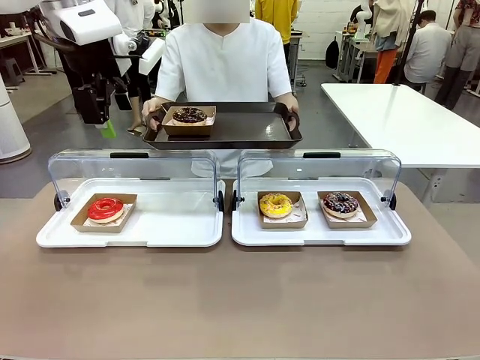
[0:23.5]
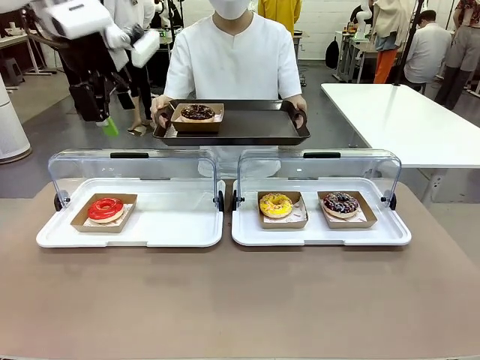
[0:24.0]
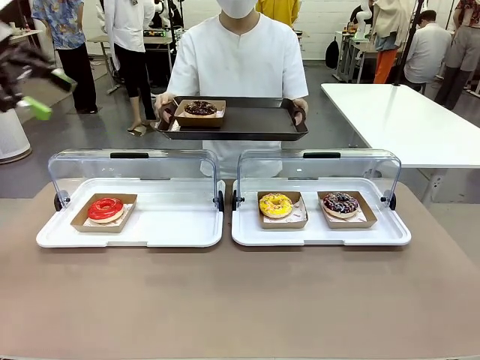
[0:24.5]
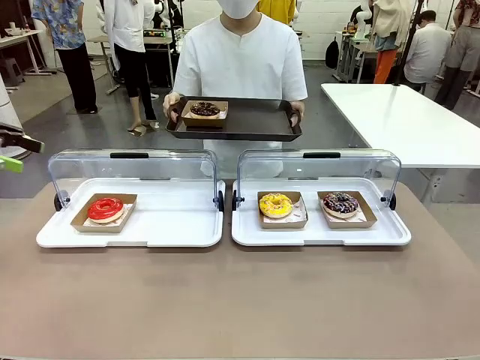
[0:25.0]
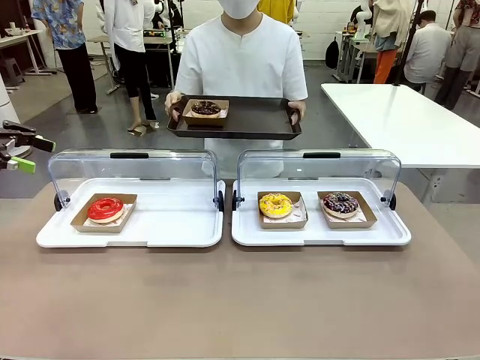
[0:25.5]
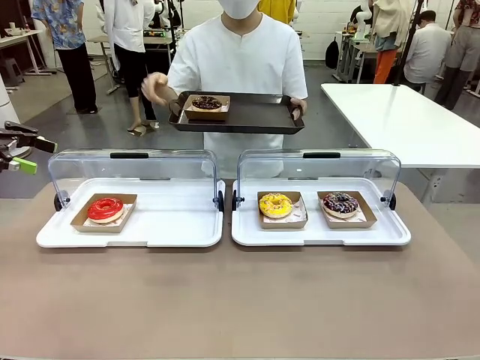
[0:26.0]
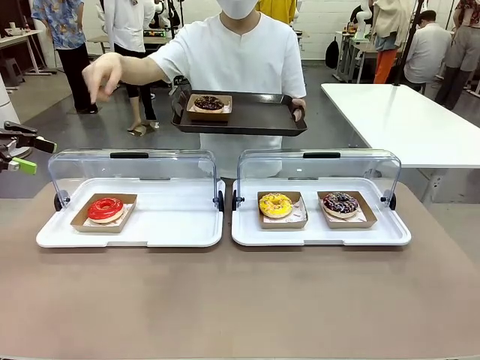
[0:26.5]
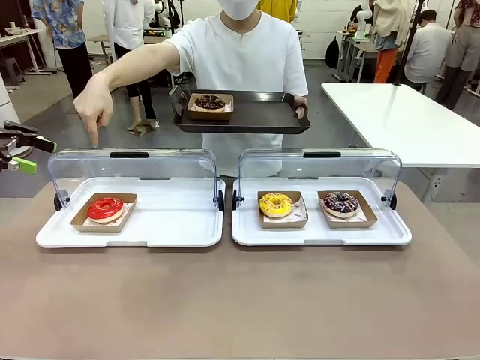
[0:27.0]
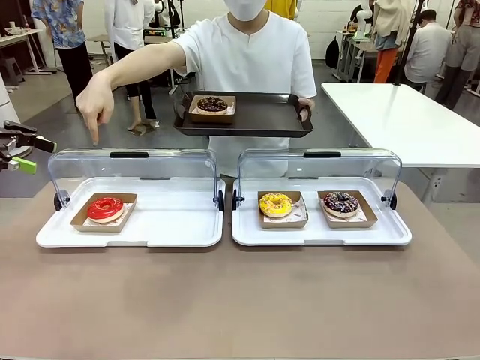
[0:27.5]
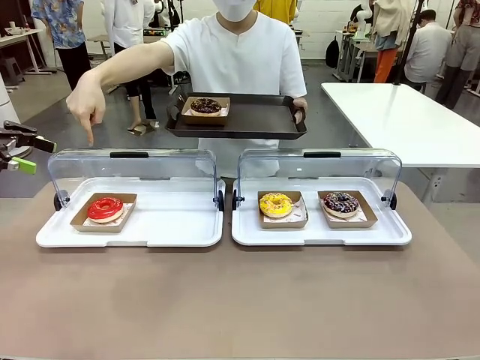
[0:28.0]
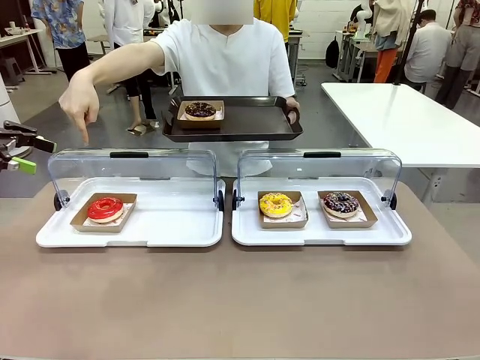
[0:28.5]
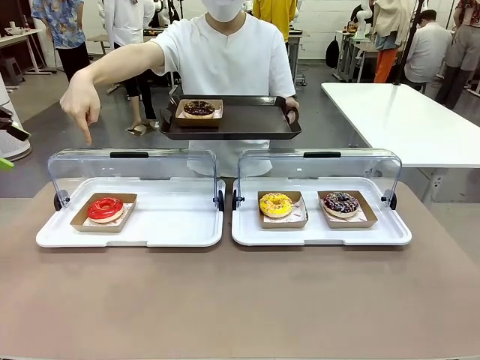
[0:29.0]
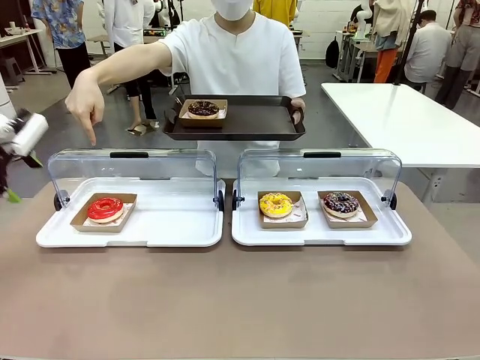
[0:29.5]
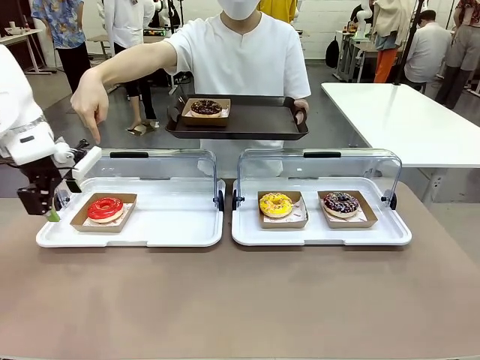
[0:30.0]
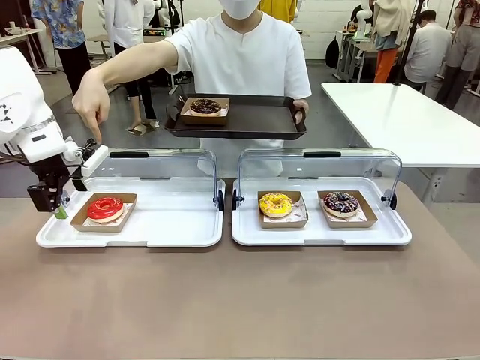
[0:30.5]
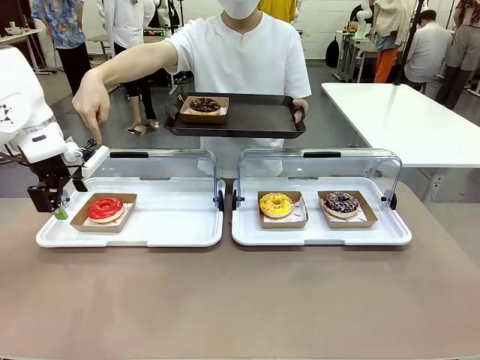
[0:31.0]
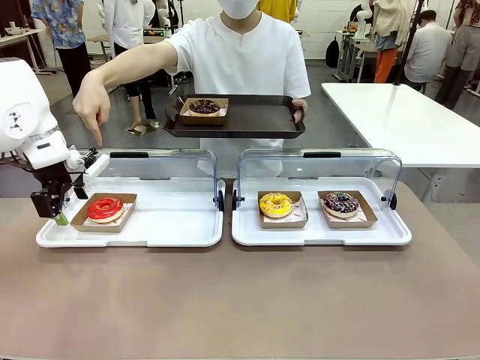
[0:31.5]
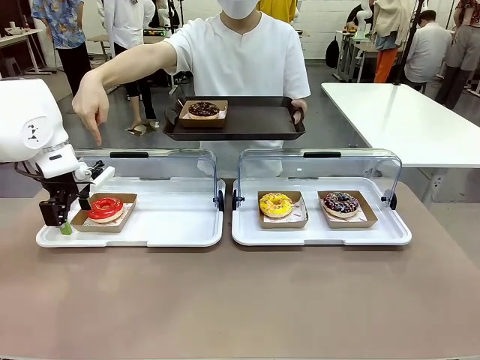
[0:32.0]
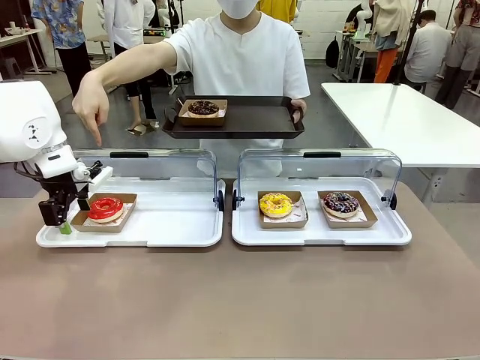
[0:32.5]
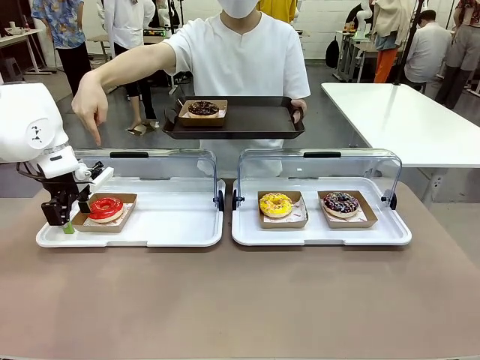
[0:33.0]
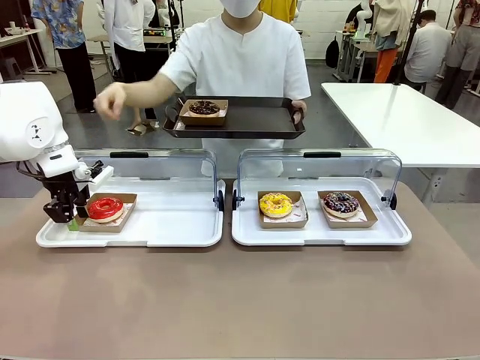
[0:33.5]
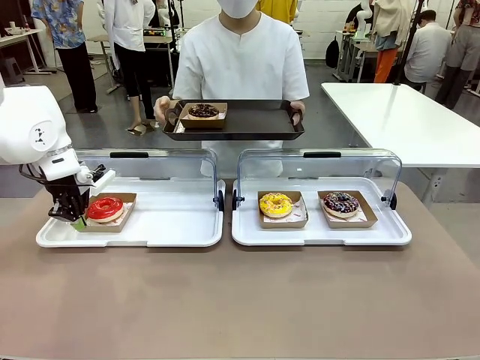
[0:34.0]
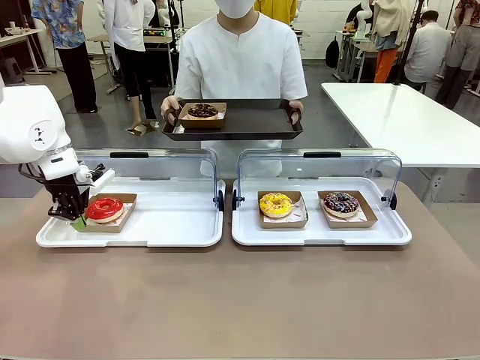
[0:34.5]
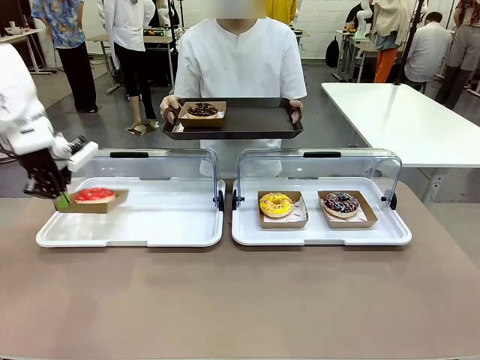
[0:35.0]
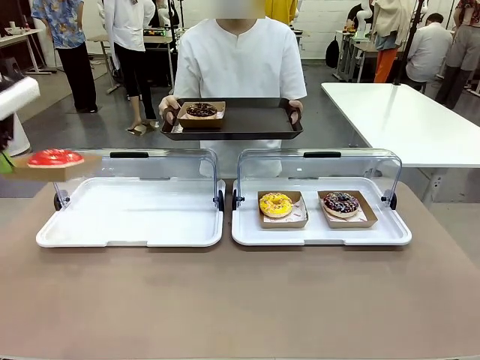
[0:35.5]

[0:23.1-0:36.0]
Task: Provide the desired donut to the person.
Robot: Pick up and lift the Paper togo box containing the Donut pointed at by the person.
Person: Point to one donut. Lift the tray onto the Roll-Top Bakery Case.

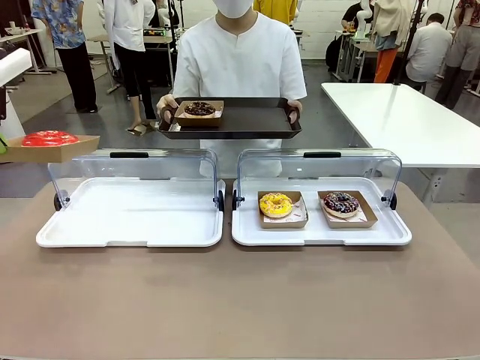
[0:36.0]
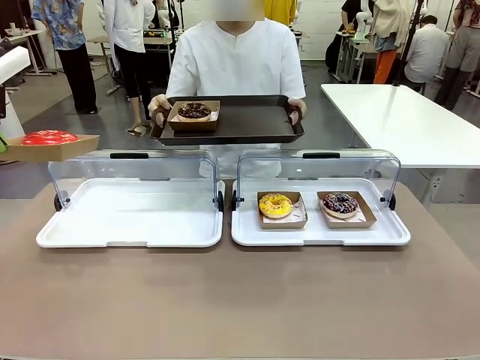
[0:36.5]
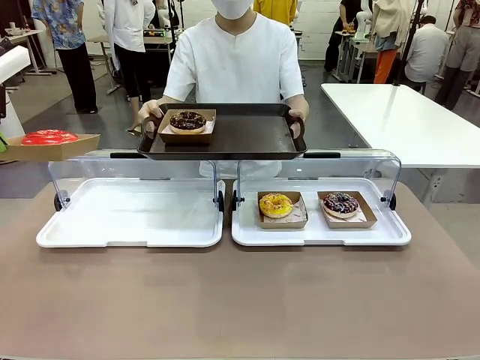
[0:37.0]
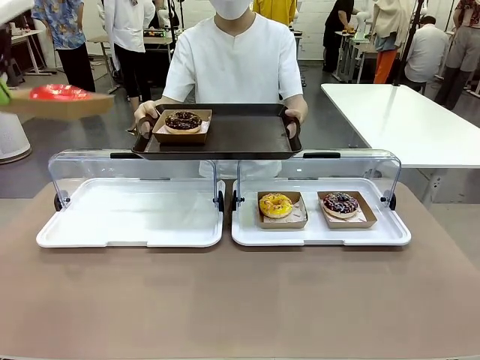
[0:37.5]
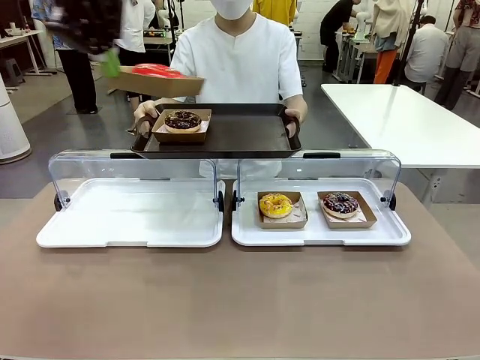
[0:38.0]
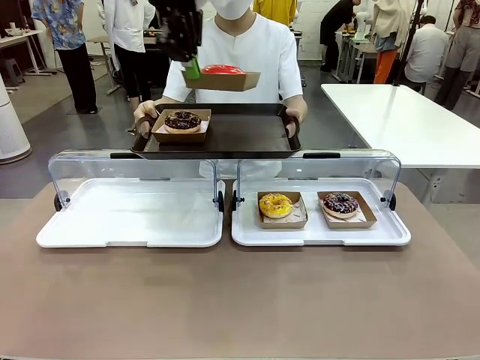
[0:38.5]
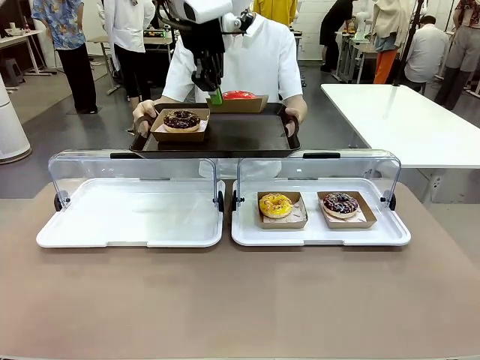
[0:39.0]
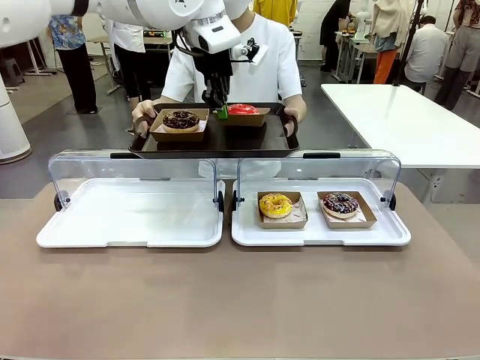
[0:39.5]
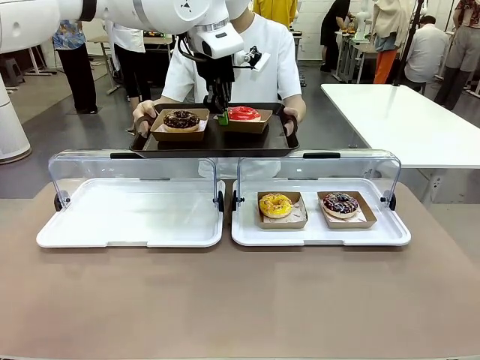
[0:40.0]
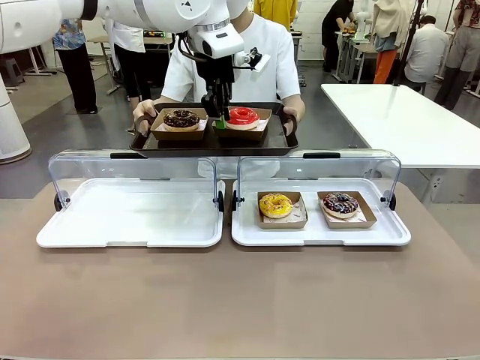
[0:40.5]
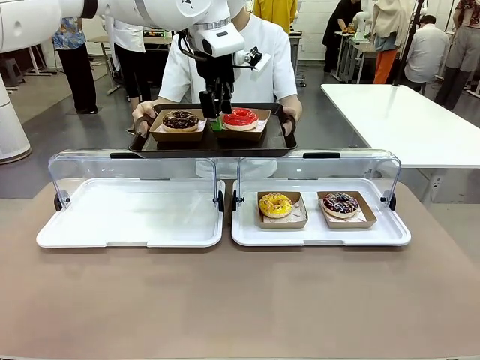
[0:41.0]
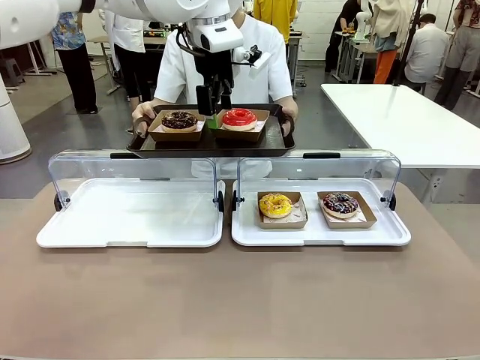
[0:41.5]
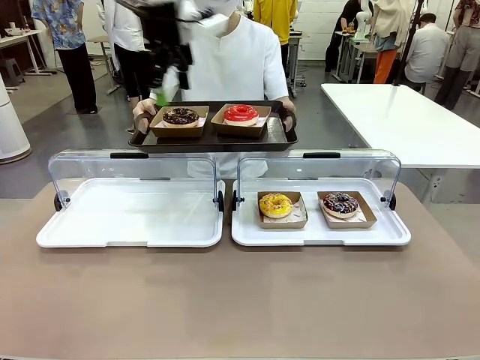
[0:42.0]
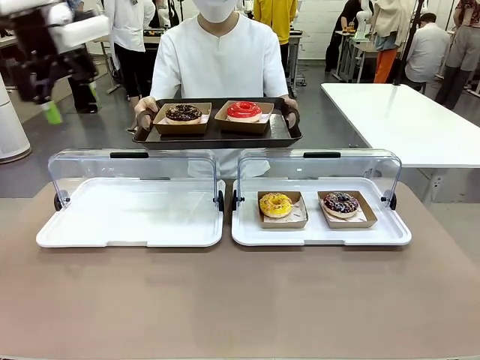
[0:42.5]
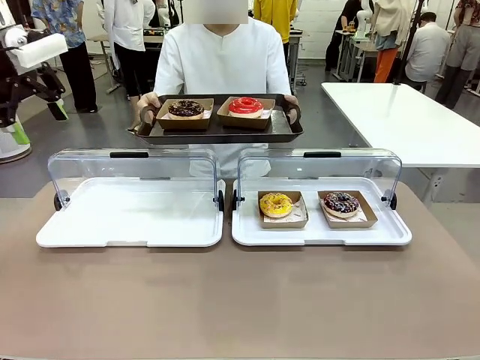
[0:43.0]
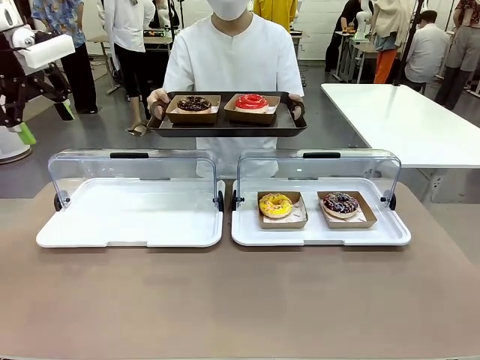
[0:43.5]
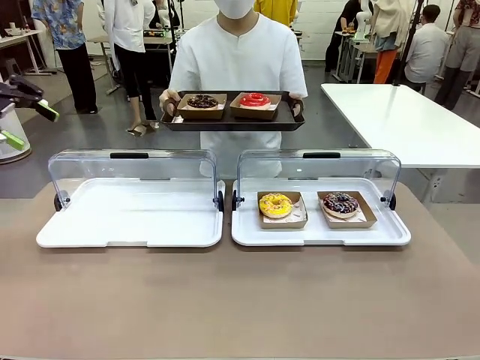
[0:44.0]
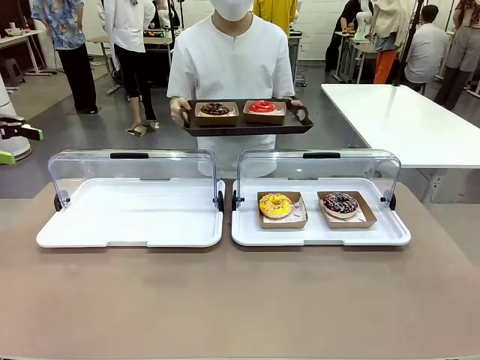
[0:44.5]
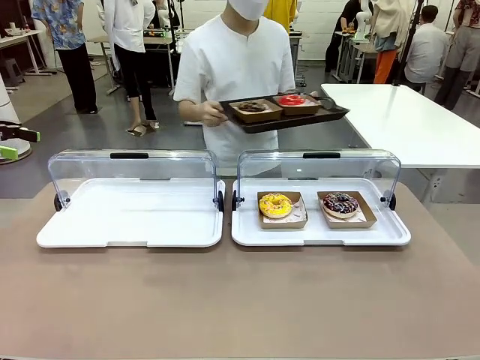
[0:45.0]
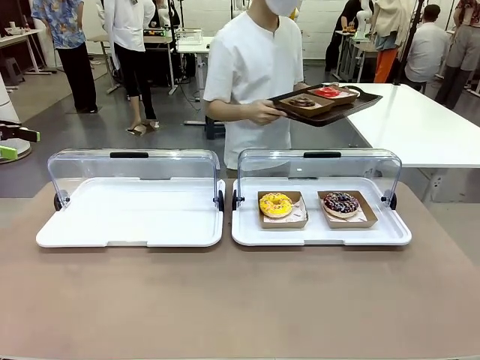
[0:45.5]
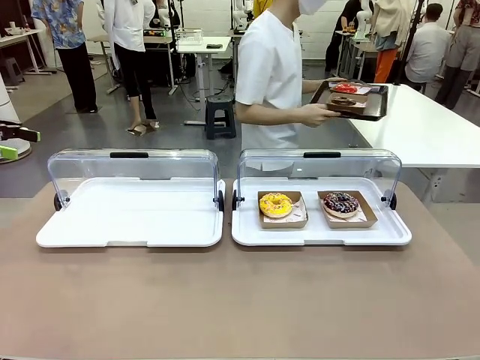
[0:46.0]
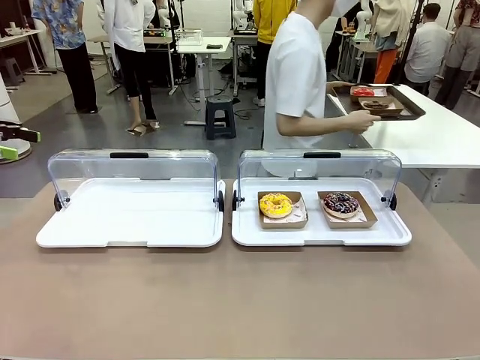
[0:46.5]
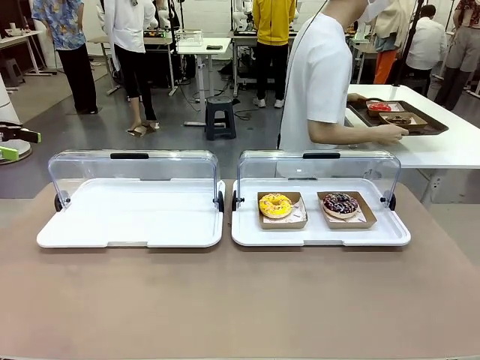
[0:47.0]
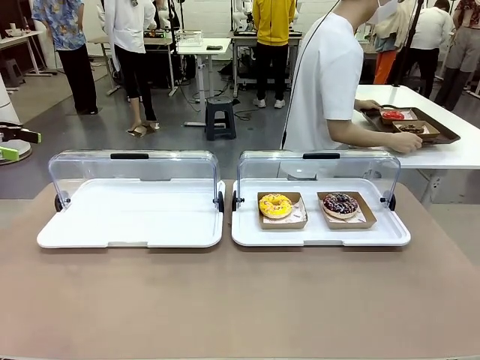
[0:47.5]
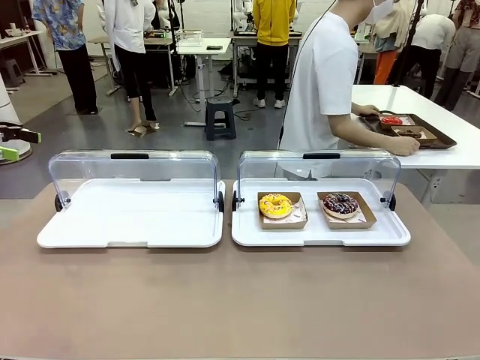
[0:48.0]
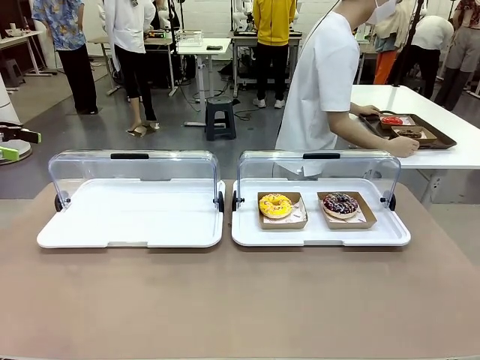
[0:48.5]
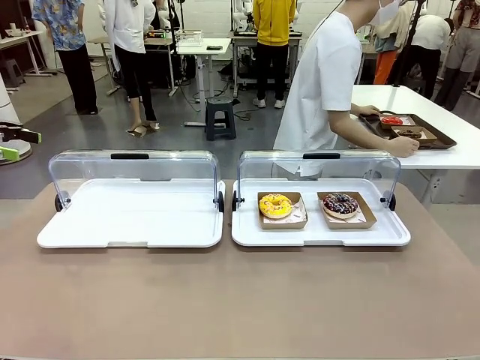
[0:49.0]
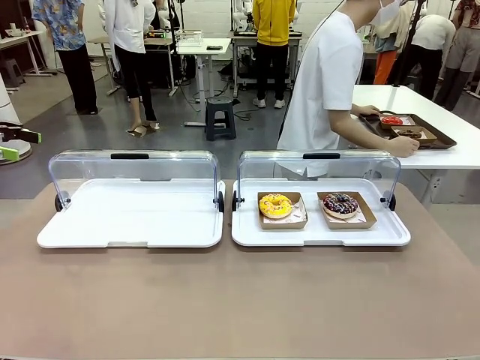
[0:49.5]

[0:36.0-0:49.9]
Robot: Place the picked Paper togo box onto the Handle tray extended by the person.
Person: Place the tray in the middle of the human table.
